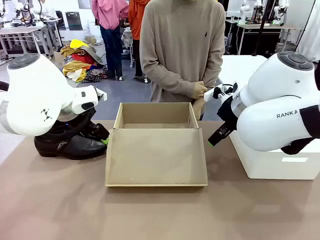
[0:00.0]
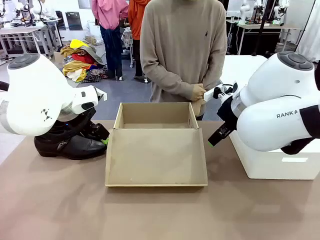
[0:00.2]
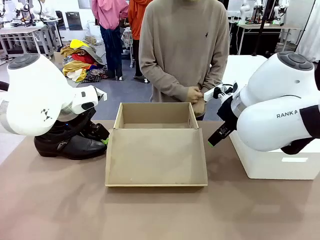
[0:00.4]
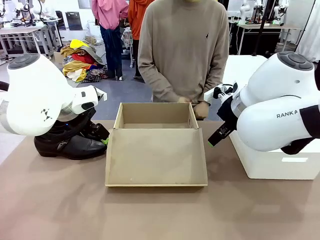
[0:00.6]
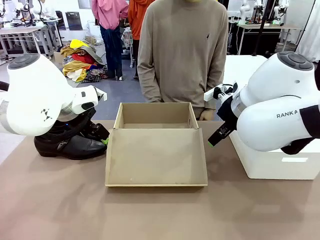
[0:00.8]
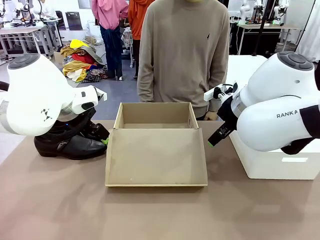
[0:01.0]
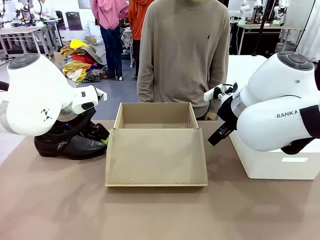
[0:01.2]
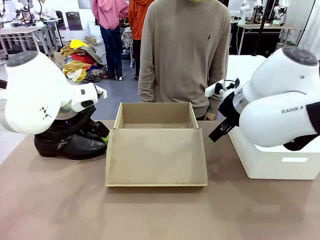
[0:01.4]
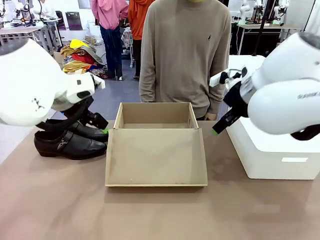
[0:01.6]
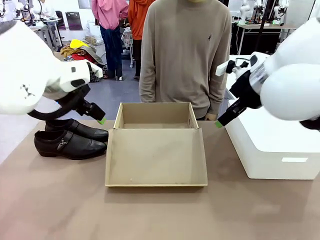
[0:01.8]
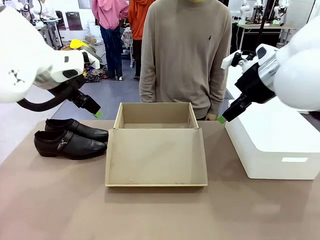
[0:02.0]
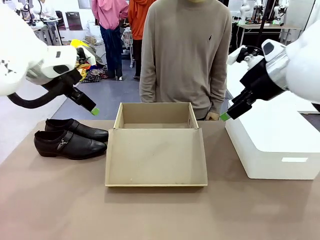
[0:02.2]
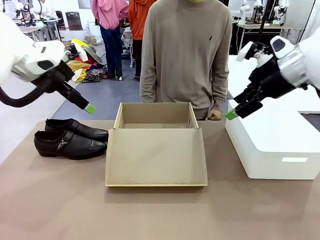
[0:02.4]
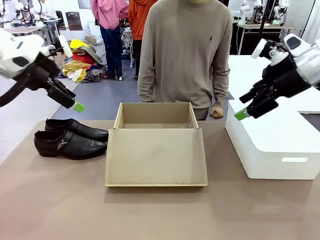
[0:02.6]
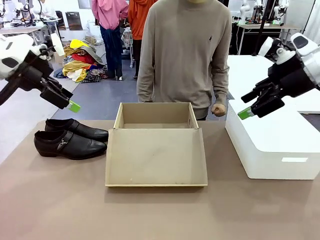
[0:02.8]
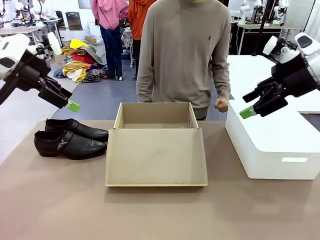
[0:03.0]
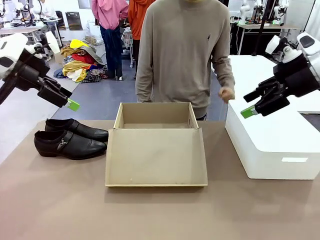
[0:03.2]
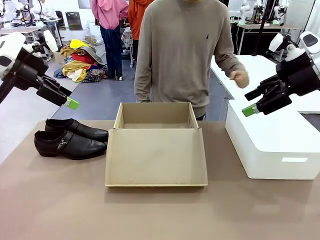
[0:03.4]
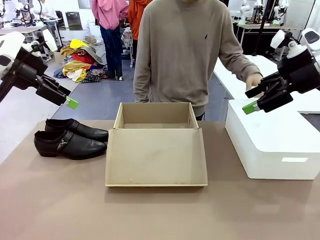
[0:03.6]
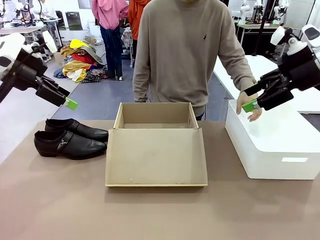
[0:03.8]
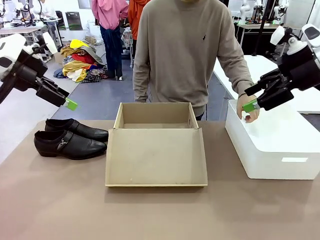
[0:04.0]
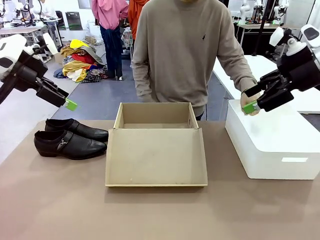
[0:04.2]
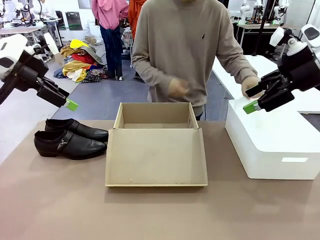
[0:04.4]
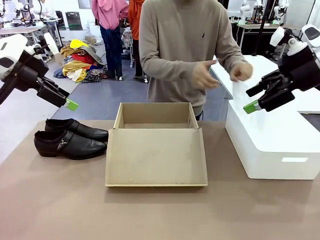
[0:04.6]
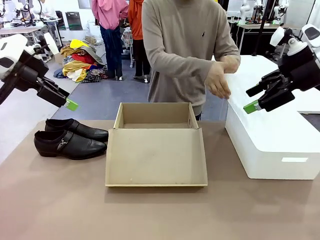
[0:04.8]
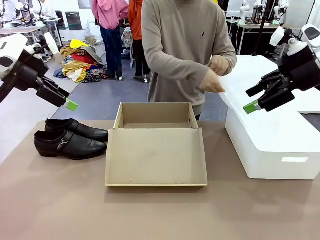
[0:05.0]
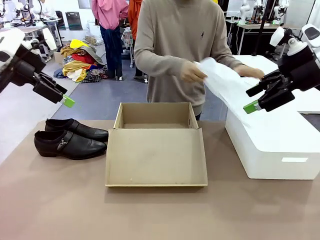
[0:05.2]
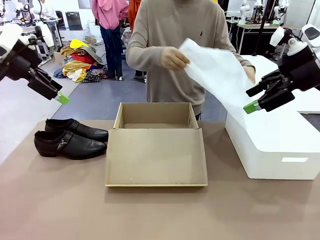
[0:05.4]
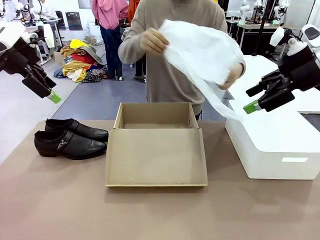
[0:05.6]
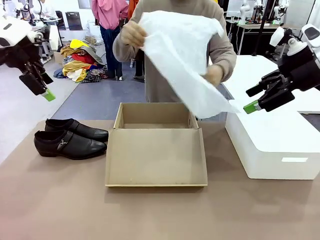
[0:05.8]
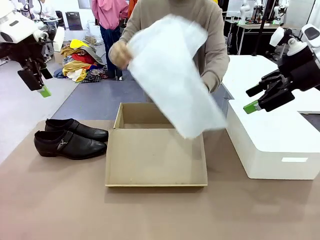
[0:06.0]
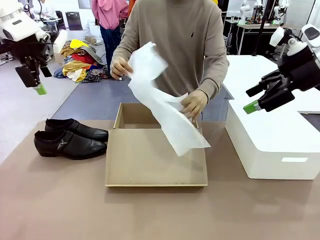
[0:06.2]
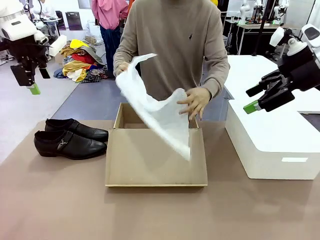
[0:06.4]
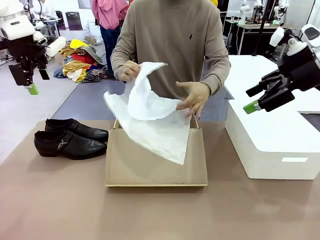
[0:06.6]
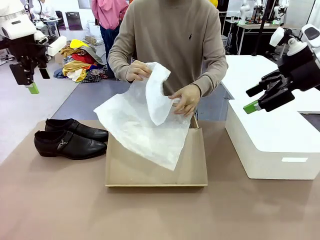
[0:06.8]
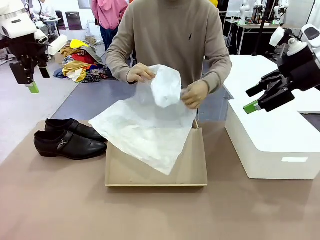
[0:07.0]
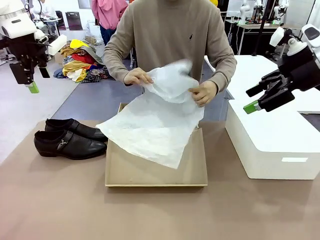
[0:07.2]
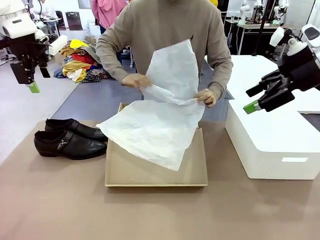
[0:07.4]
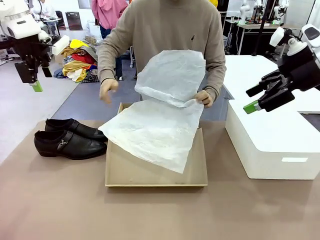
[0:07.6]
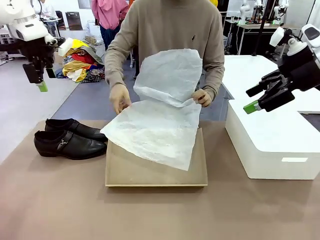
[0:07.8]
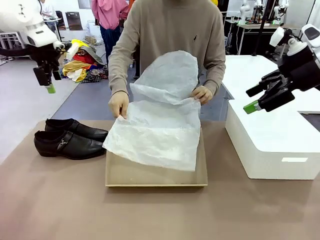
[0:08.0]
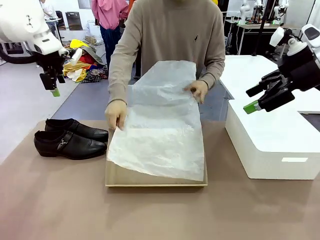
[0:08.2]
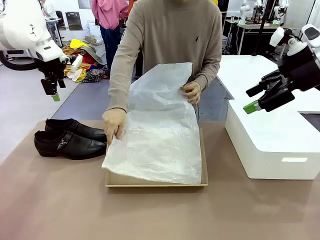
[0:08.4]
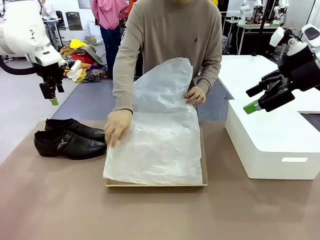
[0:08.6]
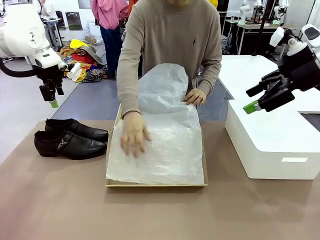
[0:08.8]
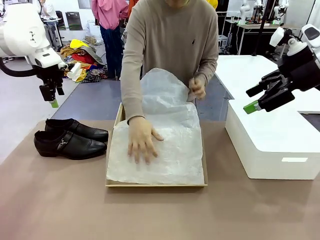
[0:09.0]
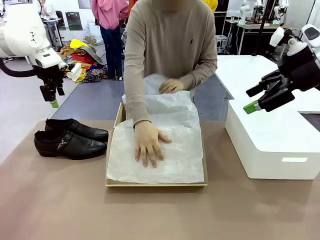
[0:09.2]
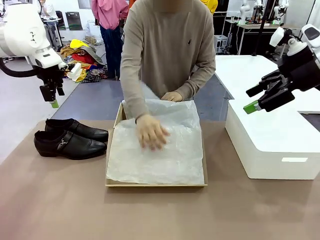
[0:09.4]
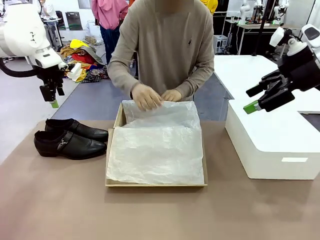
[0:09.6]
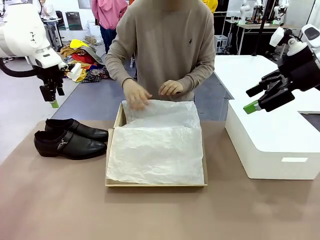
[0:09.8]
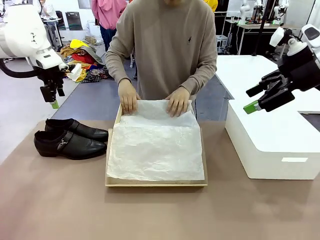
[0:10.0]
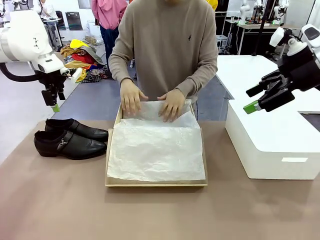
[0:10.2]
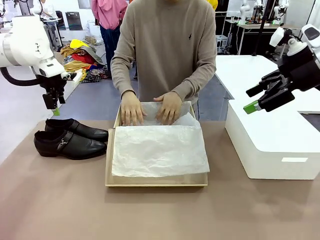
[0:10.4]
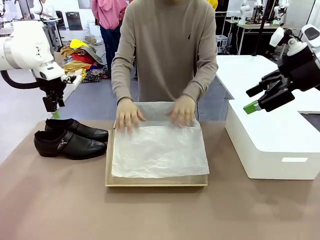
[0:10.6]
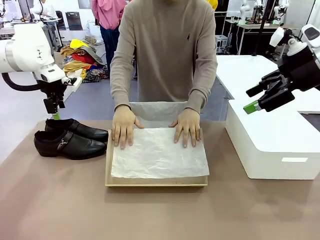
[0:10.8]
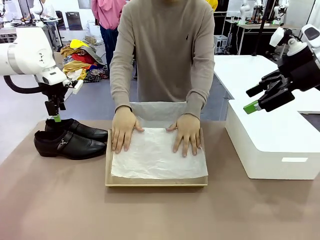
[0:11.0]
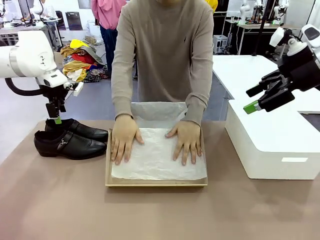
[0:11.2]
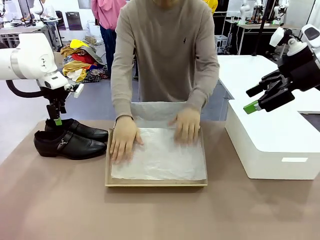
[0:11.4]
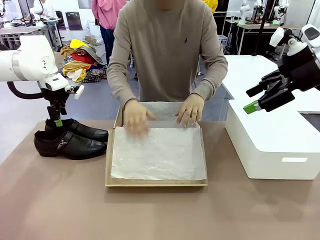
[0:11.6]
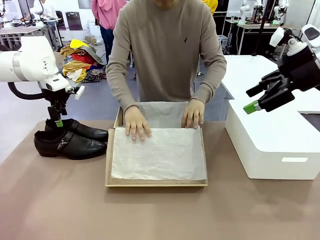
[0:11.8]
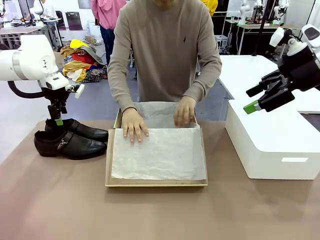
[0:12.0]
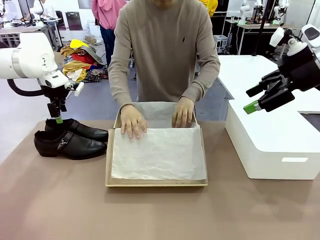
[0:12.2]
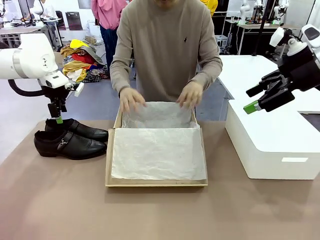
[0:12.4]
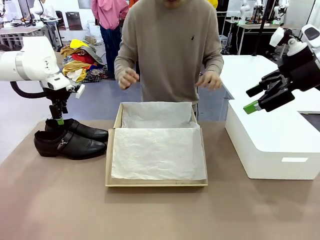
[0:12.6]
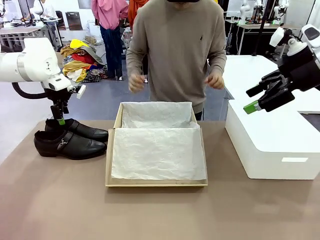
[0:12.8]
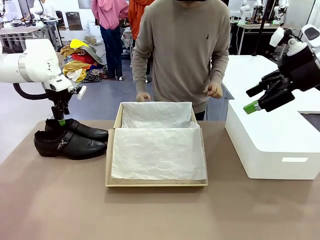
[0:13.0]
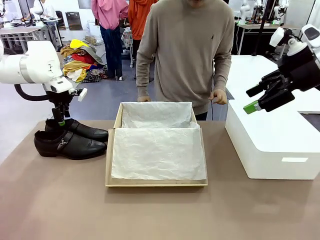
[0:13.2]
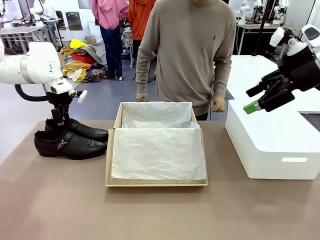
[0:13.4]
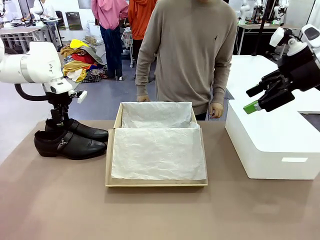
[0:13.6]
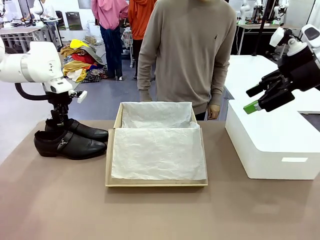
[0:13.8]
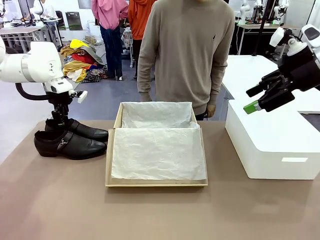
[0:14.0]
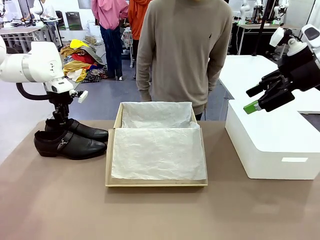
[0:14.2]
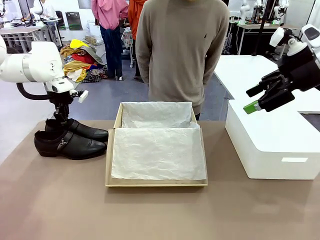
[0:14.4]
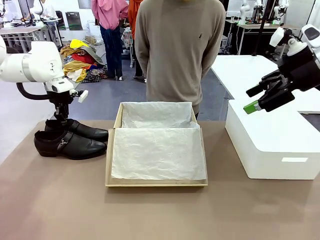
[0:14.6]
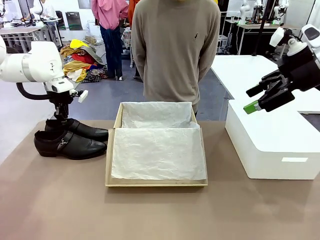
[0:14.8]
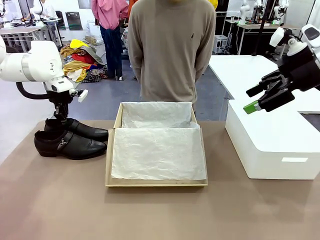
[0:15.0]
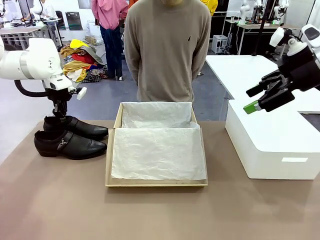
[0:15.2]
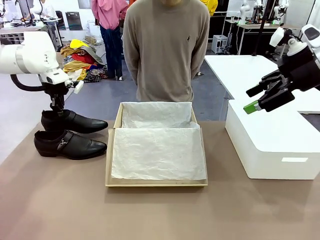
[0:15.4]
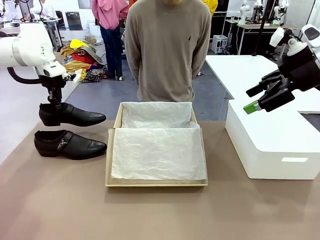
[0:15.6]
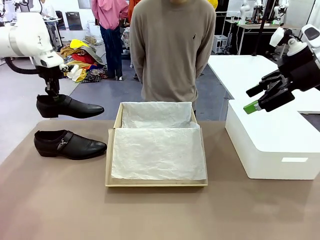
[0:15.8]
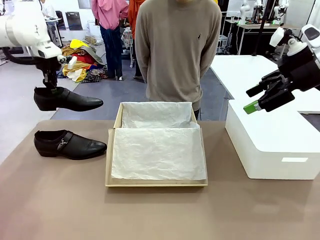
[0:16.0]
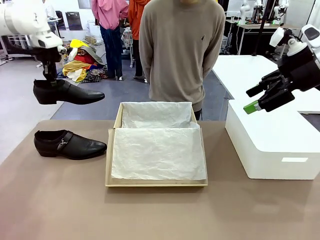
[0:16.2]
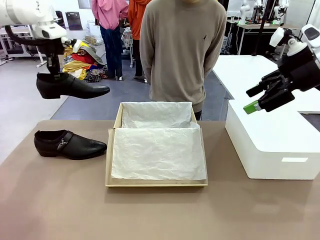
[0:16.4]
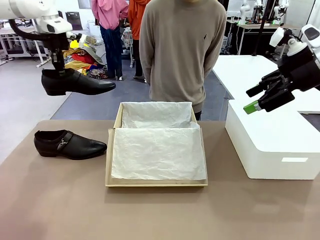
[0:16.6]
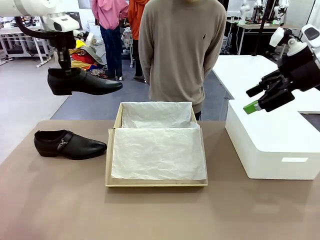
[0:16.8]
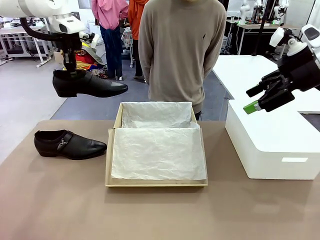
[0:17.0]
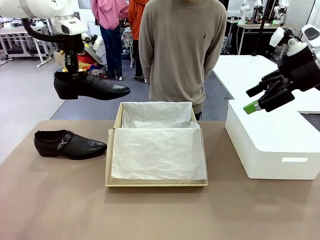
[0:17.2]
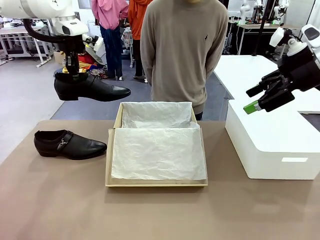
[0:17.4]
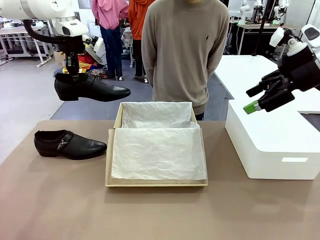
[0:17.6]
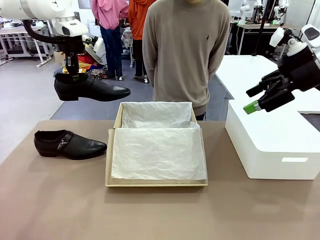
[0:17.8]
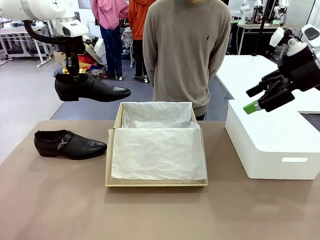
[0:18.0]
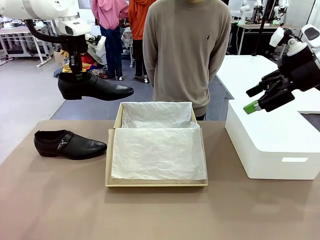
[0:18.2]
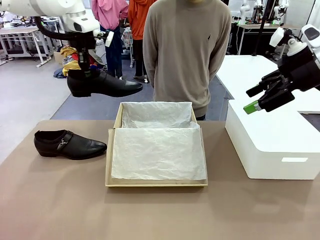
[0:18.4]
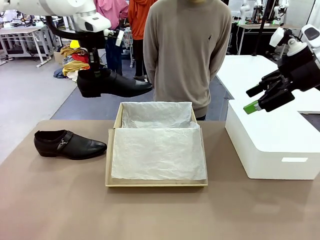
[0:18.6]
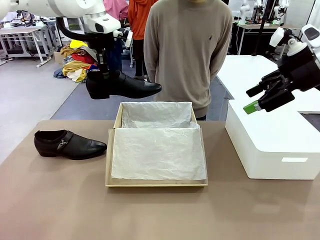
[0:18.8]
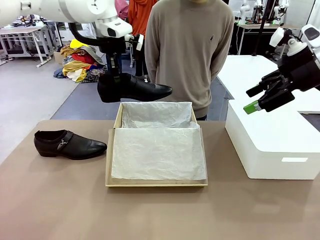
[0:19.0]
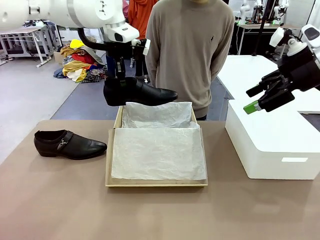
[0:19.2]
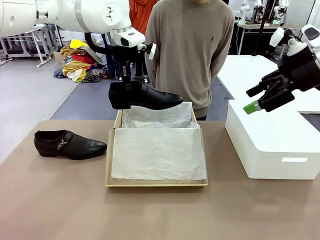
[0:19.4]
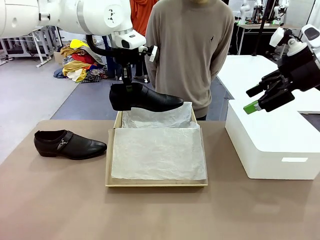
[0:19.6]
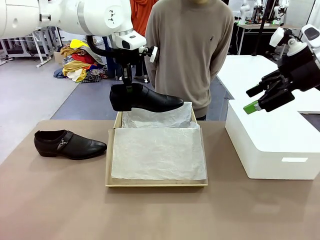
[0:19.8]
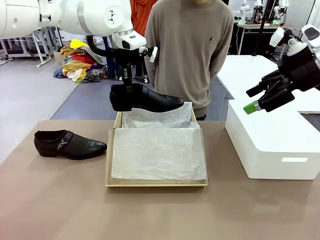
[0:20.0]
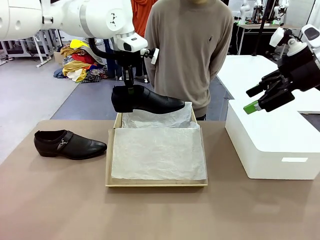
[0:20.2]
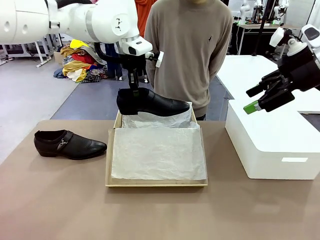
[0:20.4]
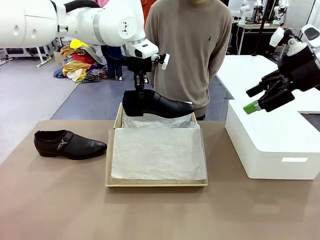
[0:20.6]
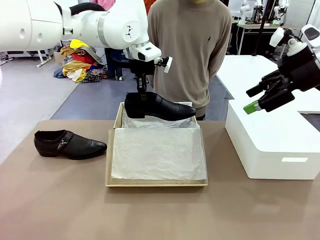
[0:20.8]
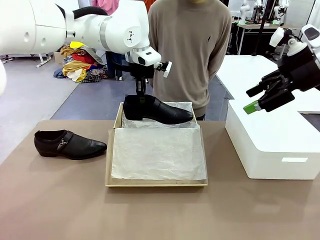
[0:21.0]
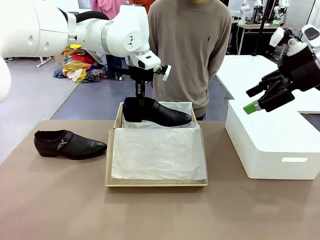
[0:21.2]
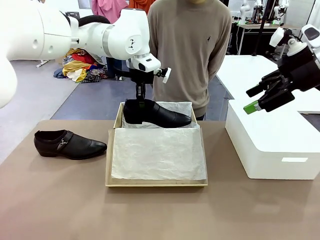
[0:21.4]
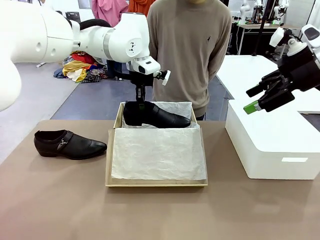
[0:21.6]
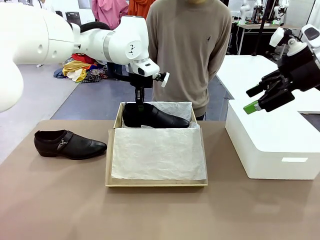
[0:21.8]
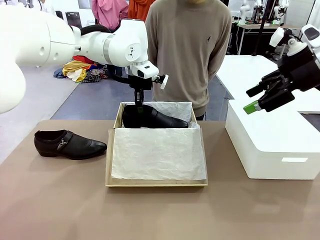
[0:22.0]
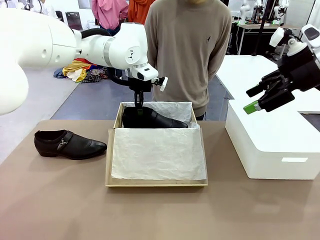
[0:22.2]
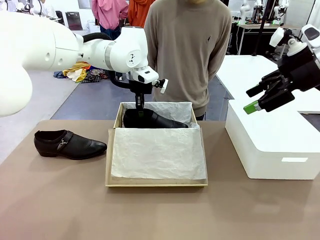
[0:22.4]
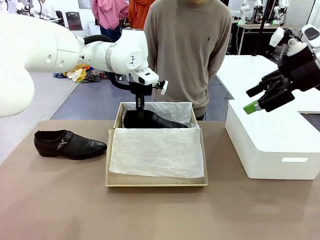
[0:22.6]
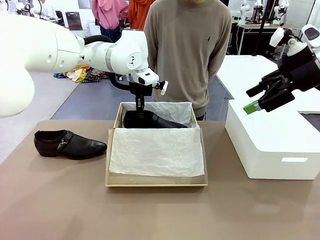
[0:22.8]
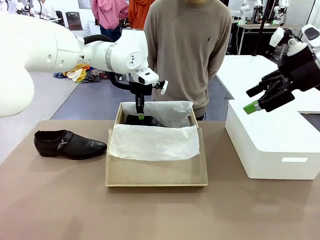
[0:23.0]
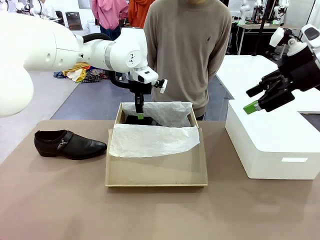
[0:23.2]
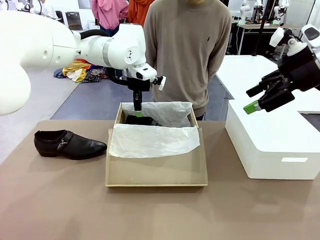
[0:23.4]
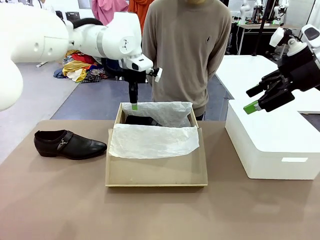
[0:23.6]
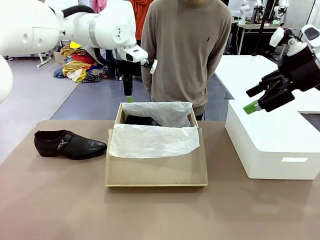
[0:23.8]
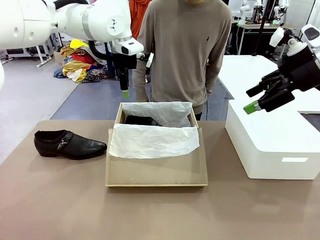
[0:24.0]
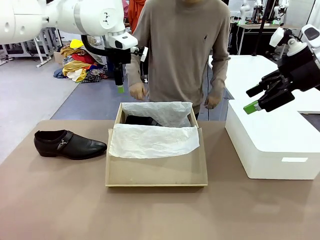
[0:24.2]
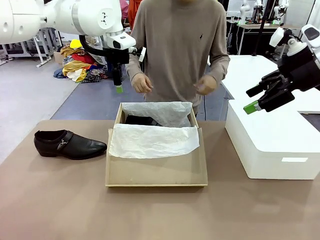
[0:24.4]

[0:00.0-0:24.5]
Task: Pack the shoes into the box.
Robot: Place one shoe of the Shoes into the Shoes Box.
Person: Spread Shoes Wrapping Paper and place inside the Shoes Box.
